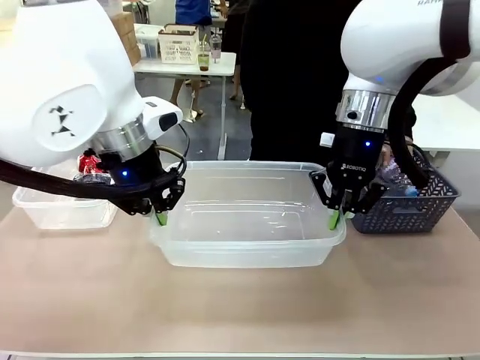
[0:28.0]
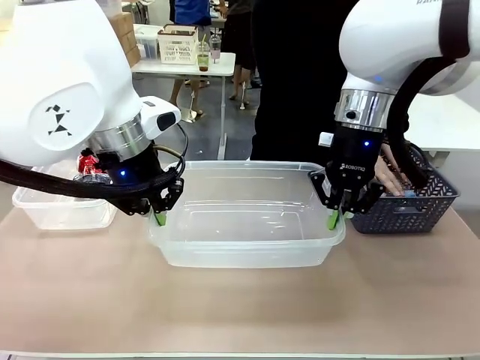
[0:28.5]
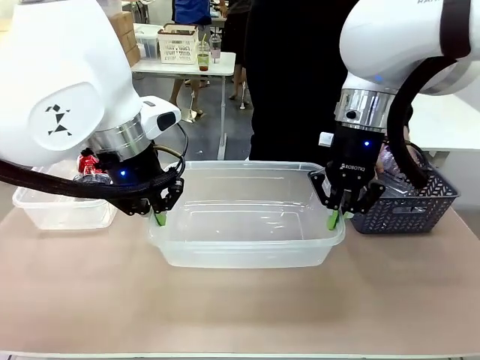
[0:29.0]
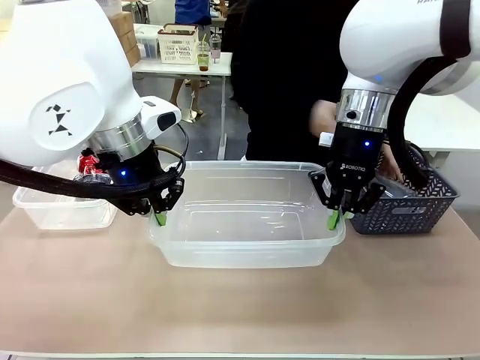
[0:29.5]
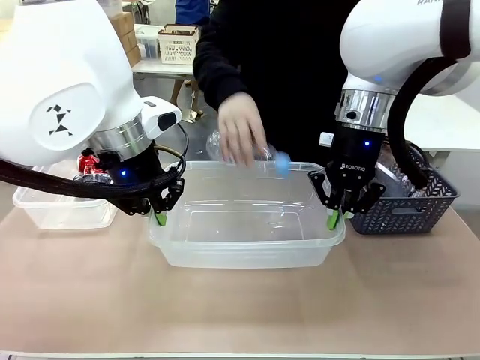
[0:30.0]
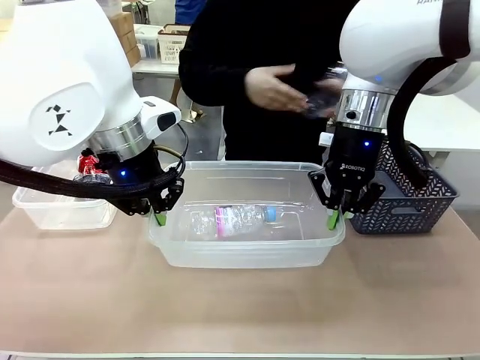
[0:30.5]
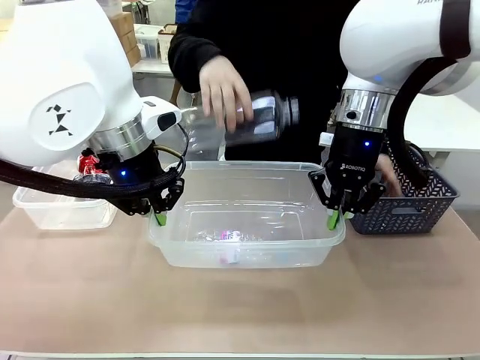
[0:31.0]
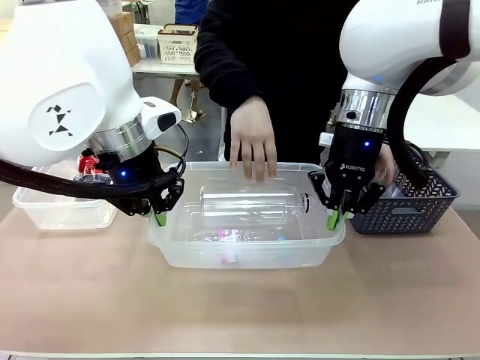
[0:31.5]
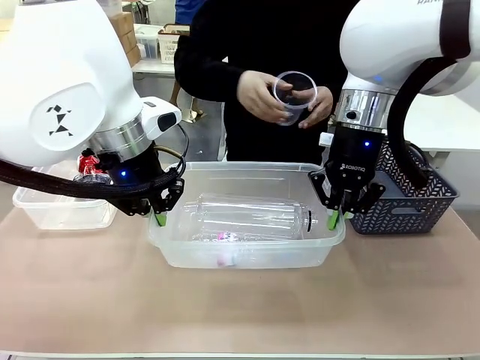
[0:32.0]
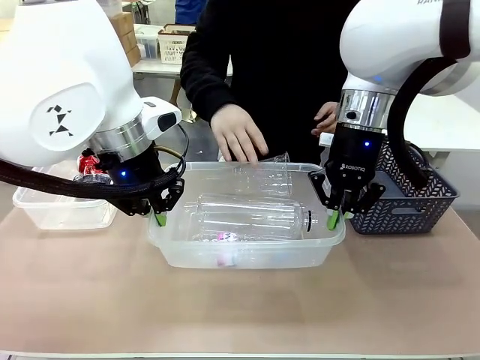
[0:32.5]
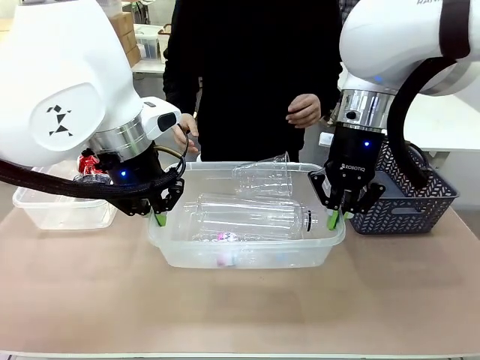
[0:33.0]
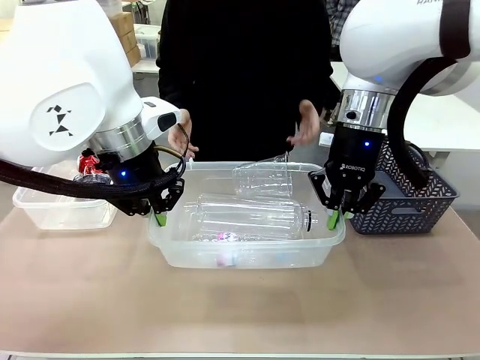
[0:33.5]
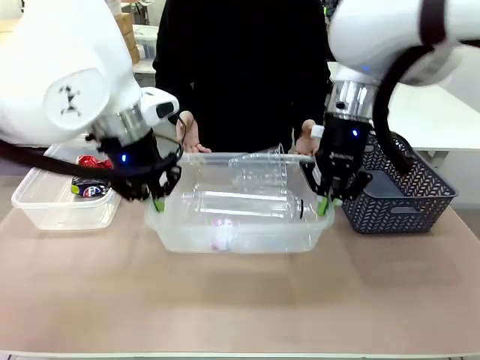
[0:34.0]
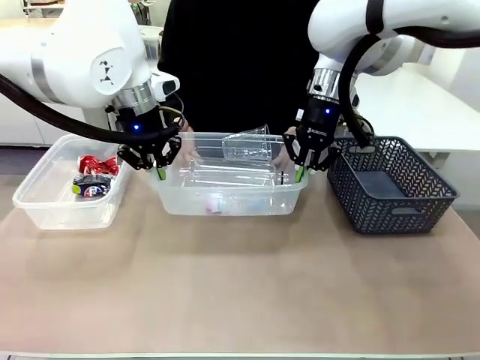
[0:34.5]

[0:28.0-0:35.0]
Robot: Offer the picked Organizing box to the human.
Person: Pick up plastic waste one by one and place it into the organizing box lifted by the robot.

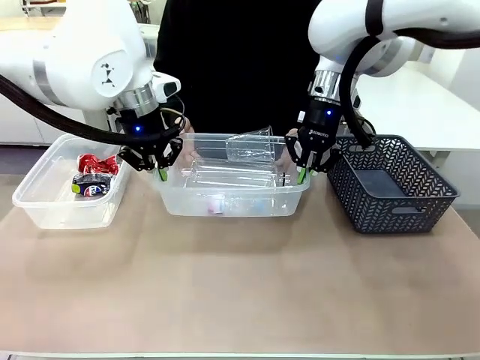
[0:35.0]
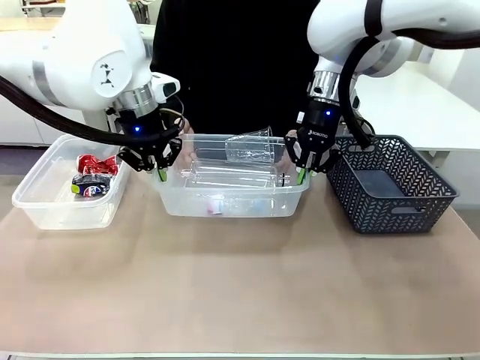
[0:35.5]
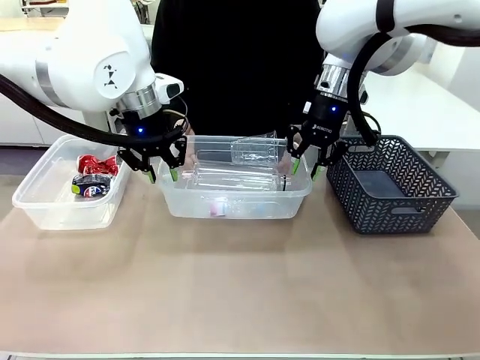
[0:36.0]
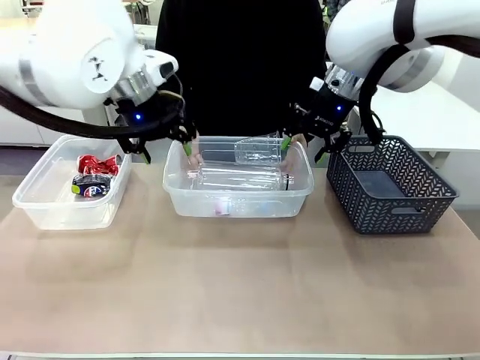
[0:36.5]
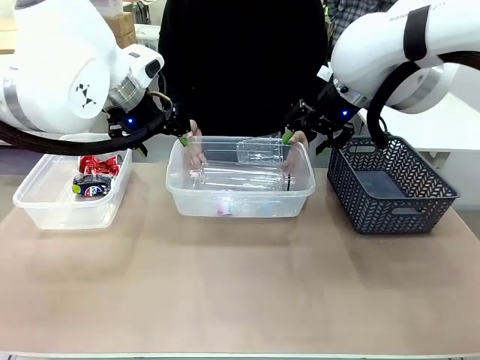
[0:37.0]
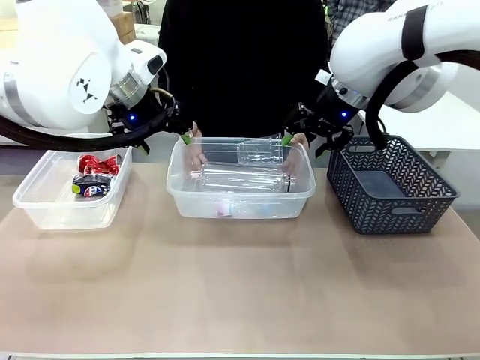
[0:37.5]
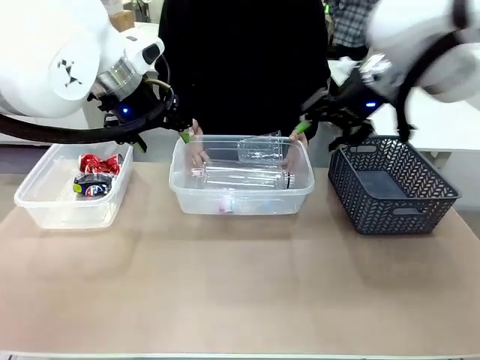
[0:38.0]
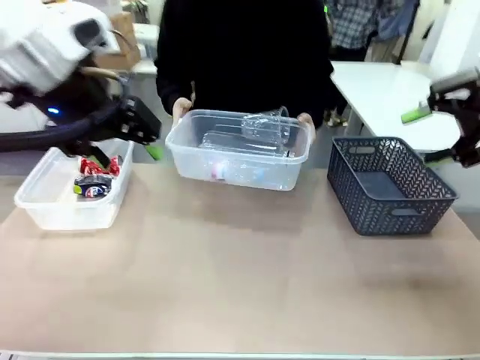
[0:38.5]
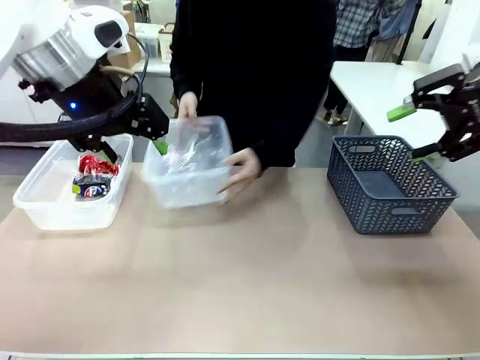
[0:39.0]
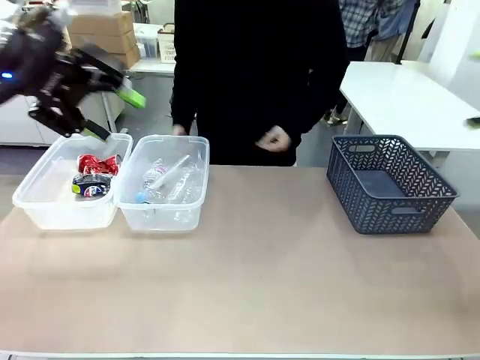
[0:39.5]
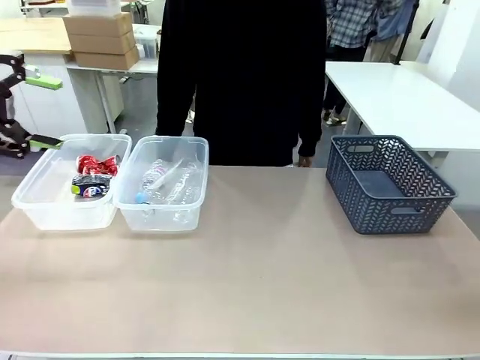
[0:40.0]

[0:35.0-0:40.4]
Robot: Release the Organizing box you were holding.
Person: Pick up the organizing box extended by the robot. Place the organizing box to the left of the sorting box containing the can waste.

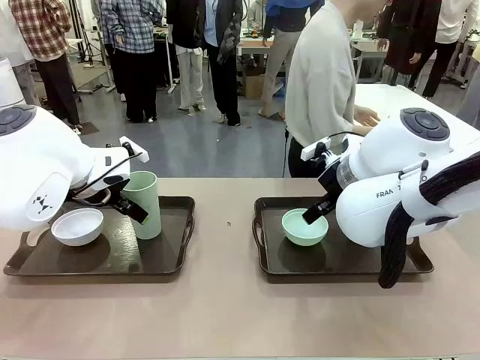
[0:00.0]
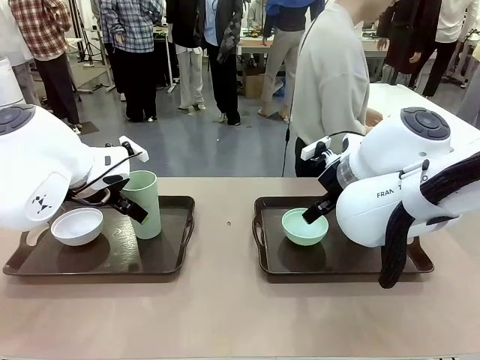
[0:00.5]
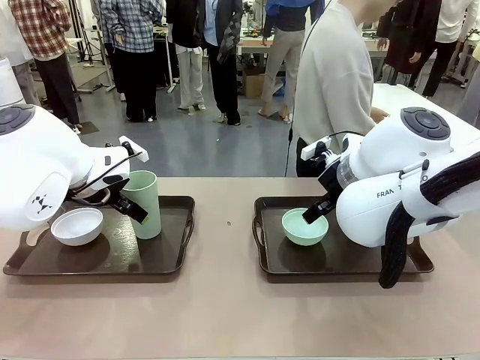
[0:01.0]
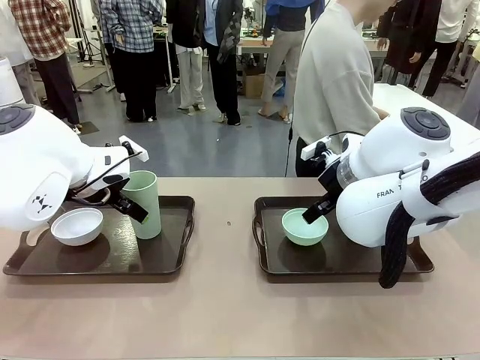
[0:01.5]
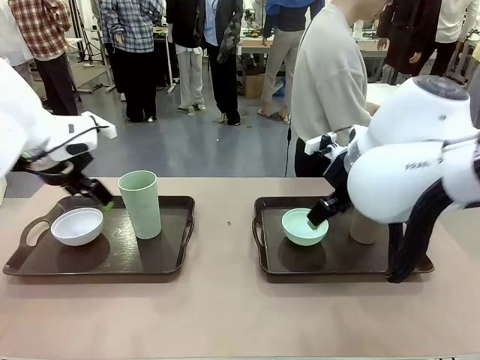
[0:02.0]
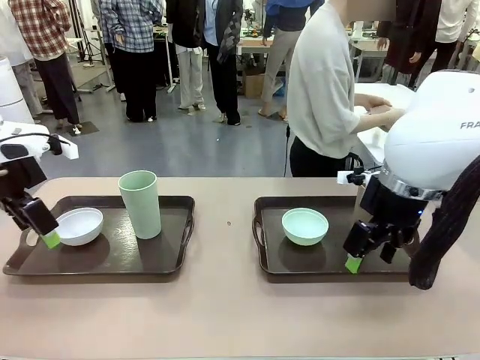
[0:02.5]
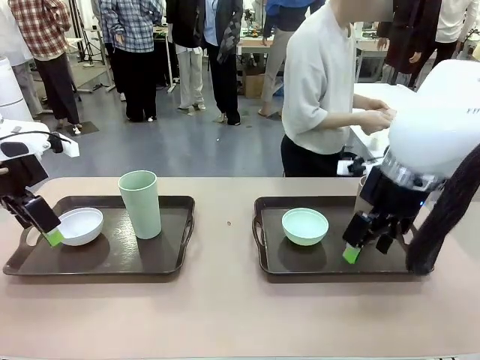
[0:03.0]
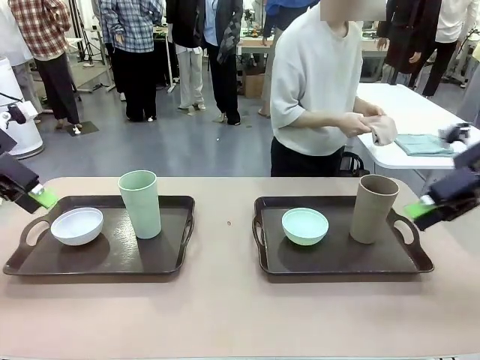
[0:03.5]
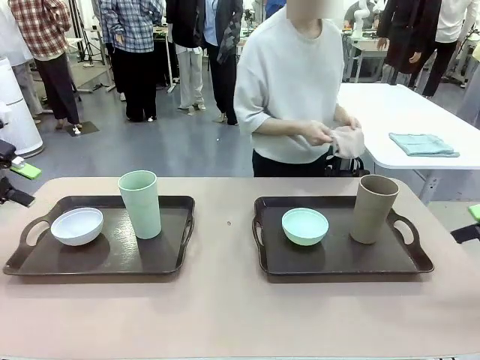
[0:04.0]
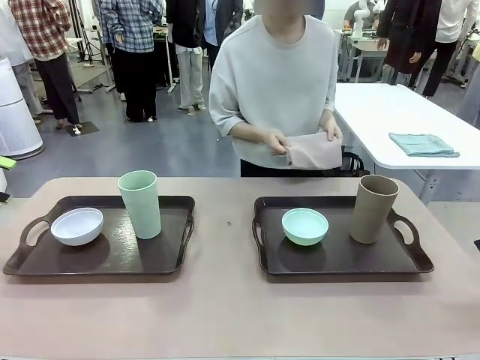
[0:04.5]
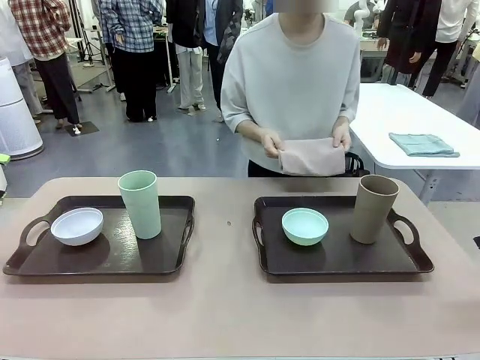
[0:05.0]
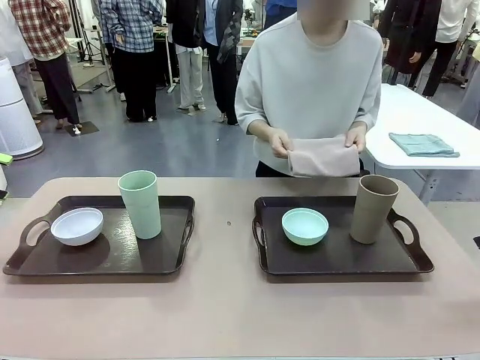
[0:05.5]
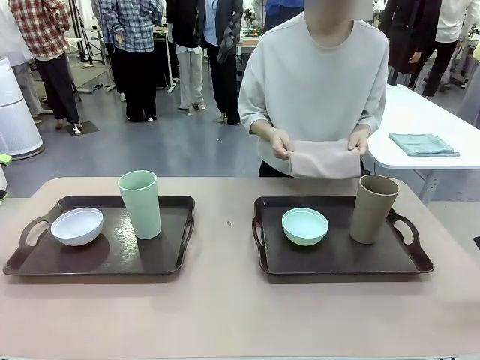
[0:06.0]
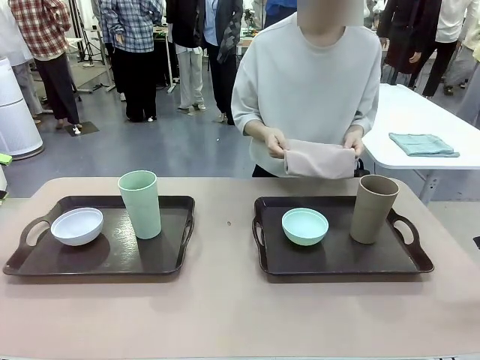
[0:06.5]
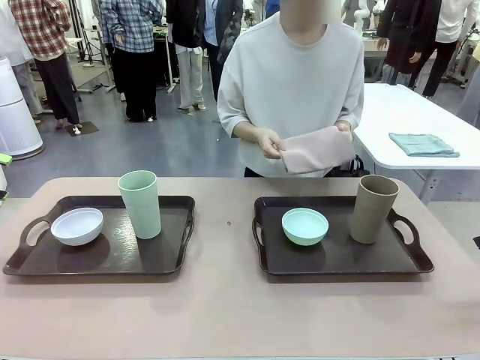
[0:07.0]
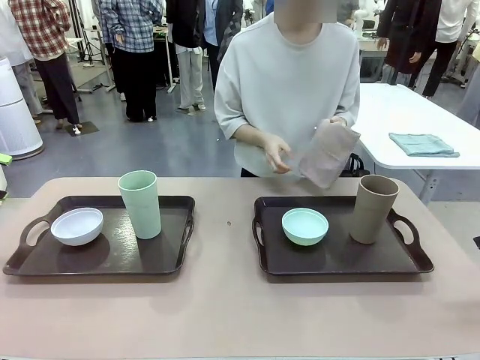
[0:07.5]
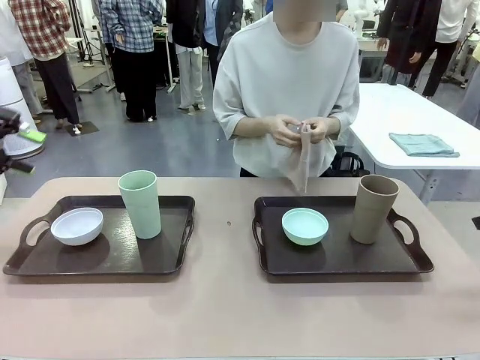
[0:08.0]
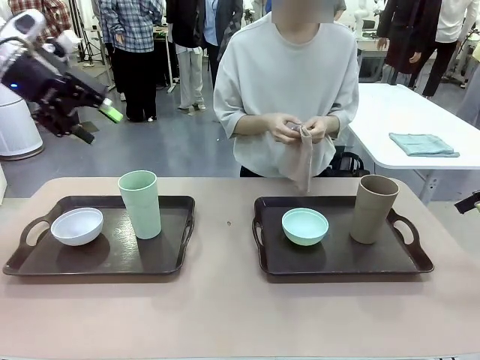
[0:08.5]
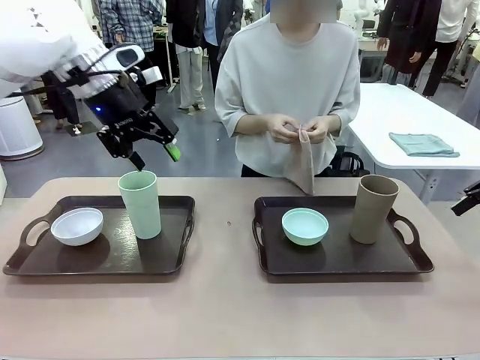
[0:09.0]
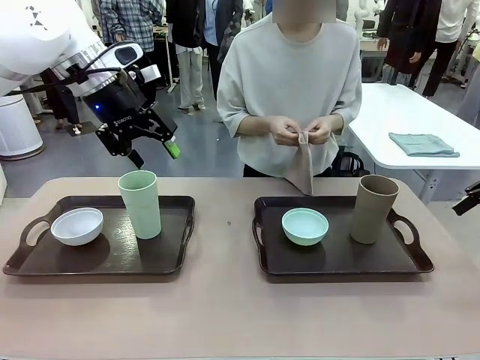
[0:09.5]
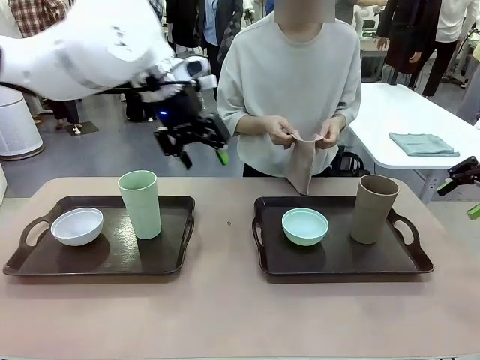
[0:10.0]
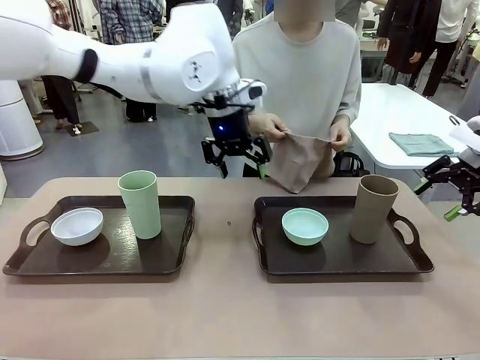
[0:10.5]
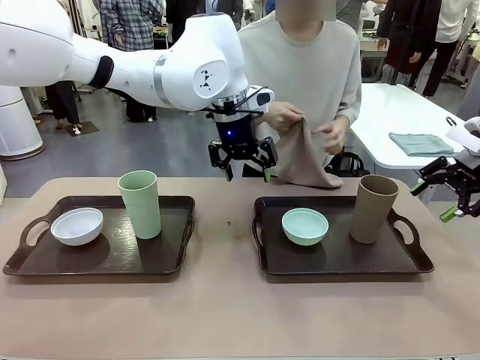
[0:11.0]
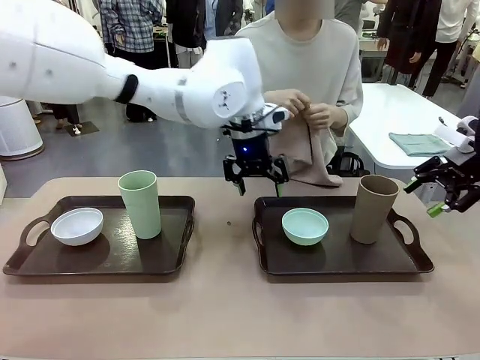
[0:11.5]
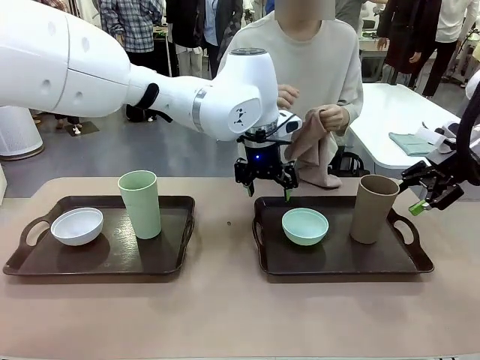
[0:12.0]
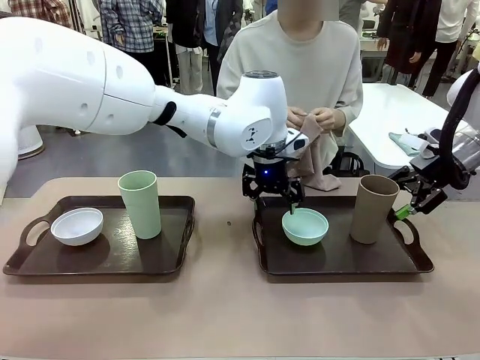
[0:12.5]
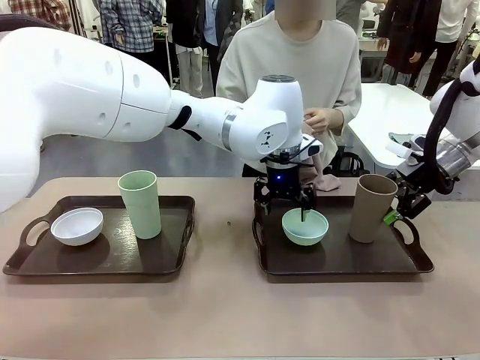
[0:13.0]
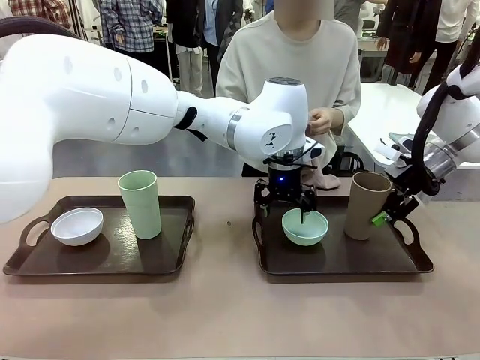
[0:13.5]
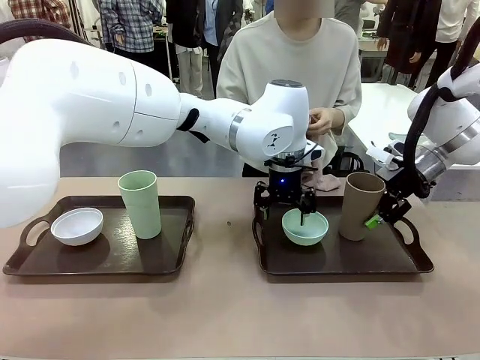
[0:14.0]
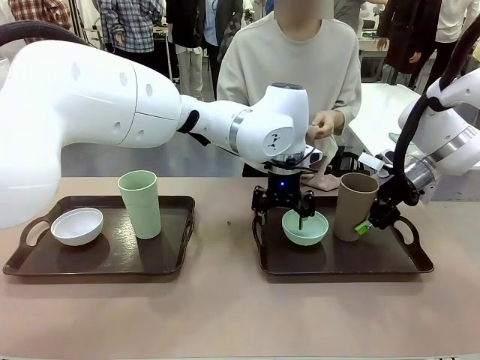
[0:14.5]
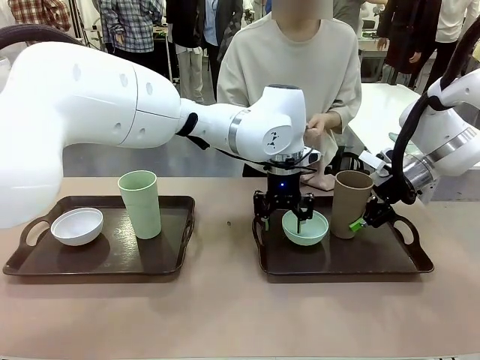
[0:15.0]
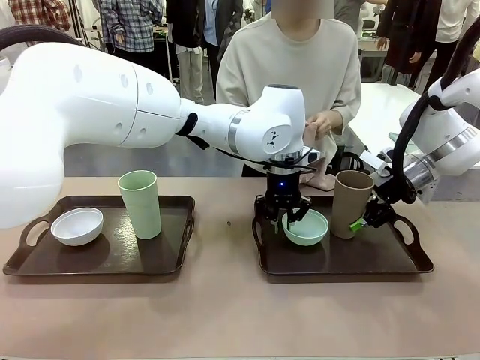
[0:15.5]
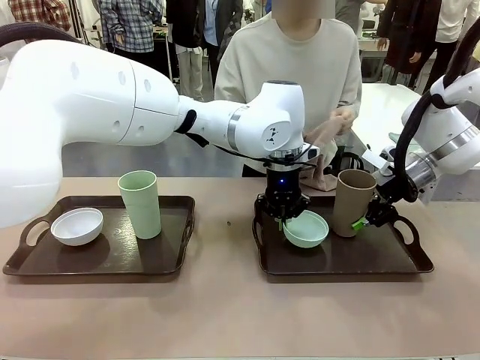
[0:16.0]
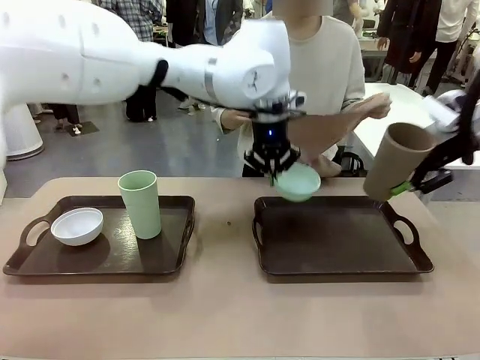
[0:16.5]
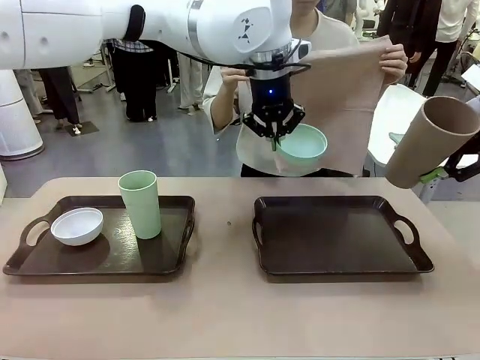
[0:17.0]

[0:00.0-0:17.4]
Robot: Pick up the Picnic Bowl and Reusable plastic cup from the Handle tray in front of the human's position and hold them in the air.
Person: The human picks up the top napkin from the stack on the human table and walks to the robot table to stand in front of one of the two trays. When the robot lifts the bowl and the cup, the human unfolds the napkin and lays the napkin flat on the tray.
